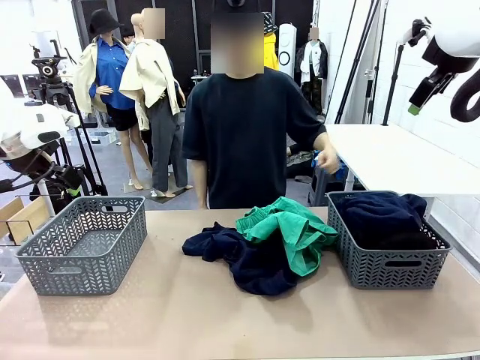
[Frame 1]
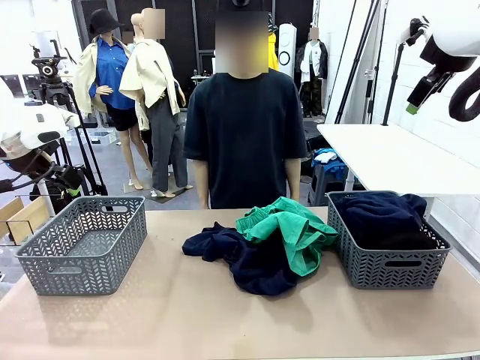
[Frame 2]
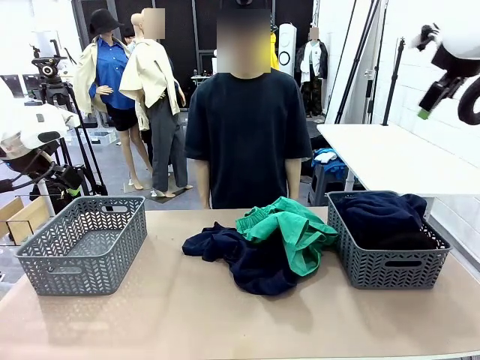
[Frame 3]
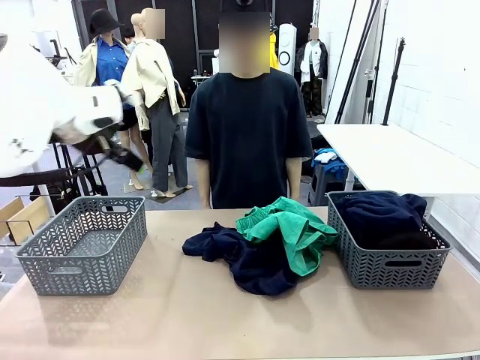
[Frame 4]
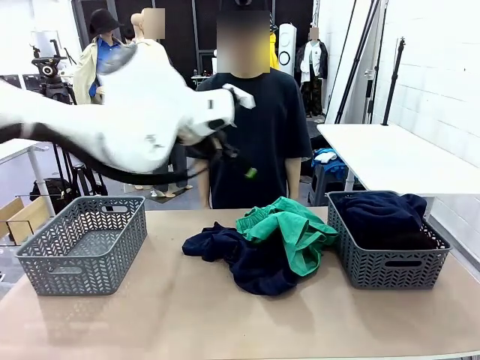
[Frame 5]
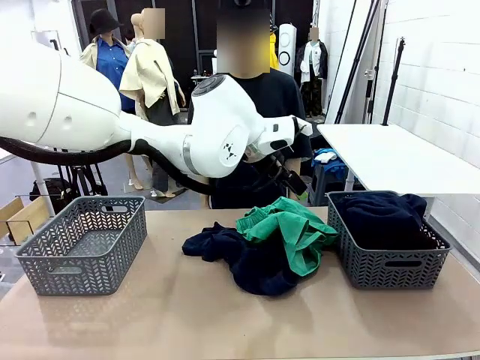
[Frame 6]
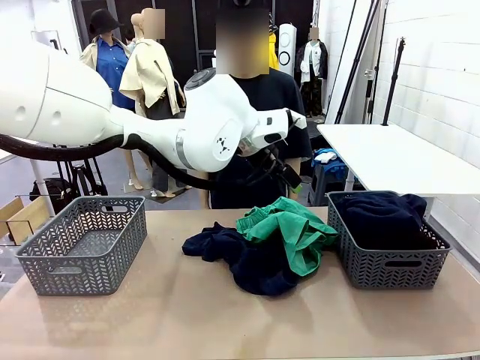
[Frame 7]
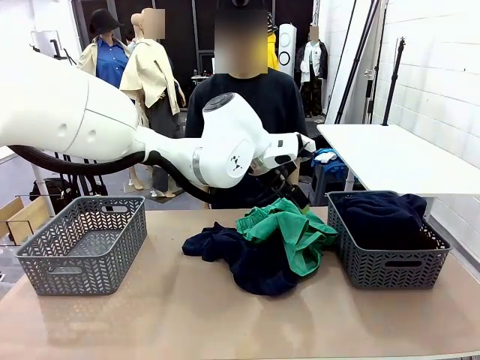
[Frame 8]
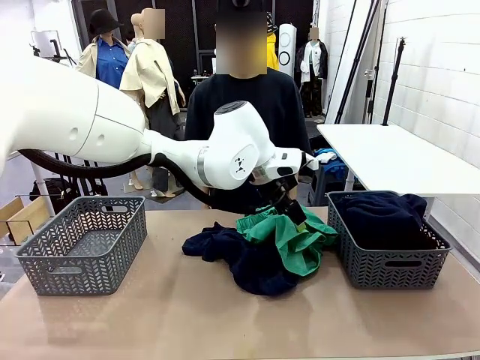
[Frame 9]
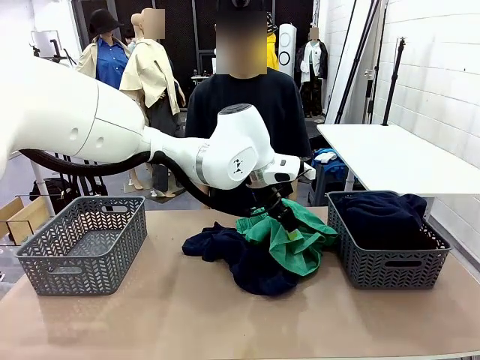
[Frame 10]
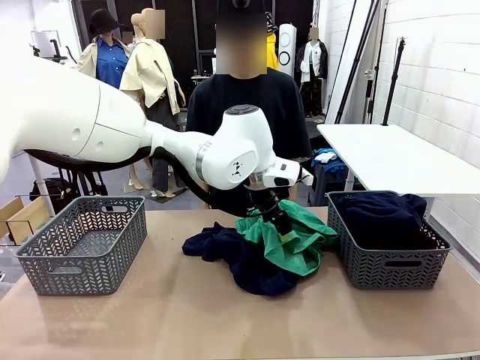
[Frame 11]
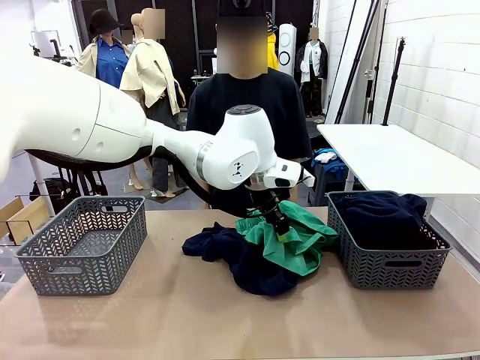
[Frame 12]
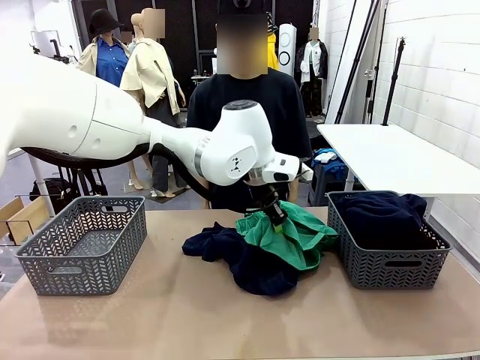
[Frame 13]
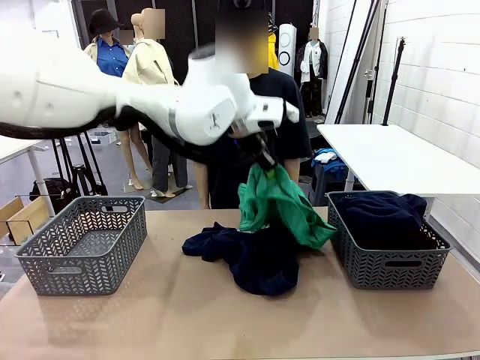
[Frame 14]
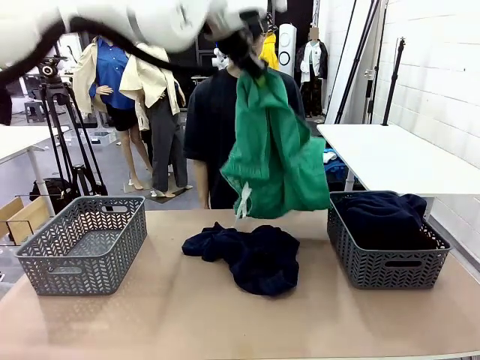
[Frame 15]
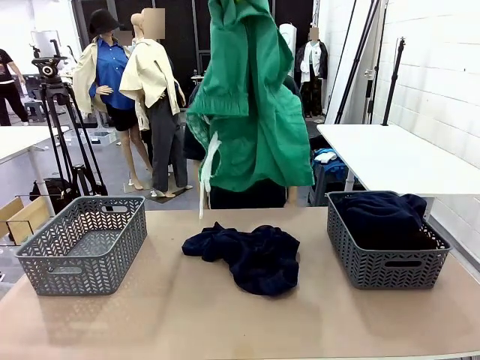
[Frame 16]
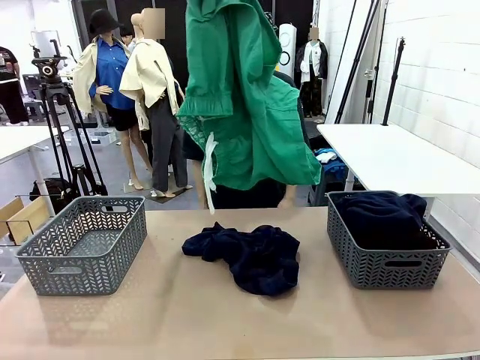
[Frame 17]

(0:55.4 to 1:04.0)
Task: Sort the tops and bottoms.
Robot: Lift clothes from the center of the table with your left hand.

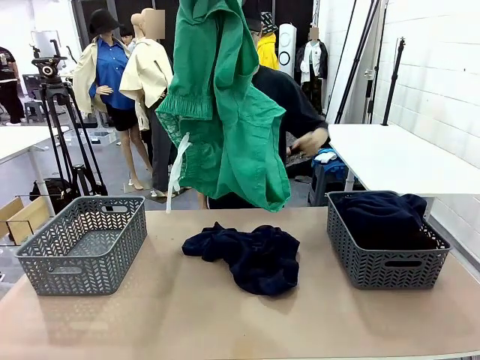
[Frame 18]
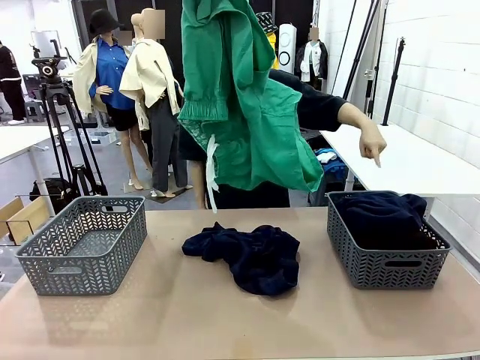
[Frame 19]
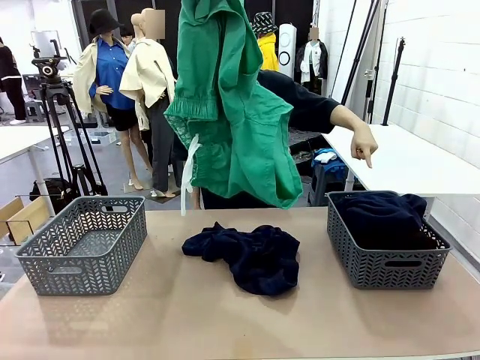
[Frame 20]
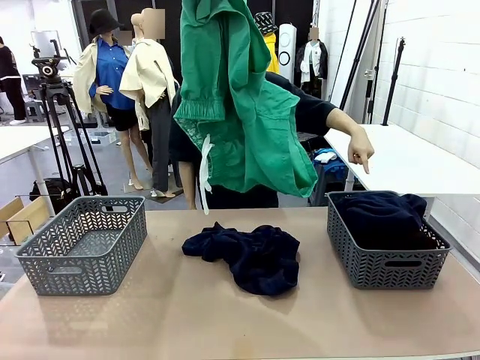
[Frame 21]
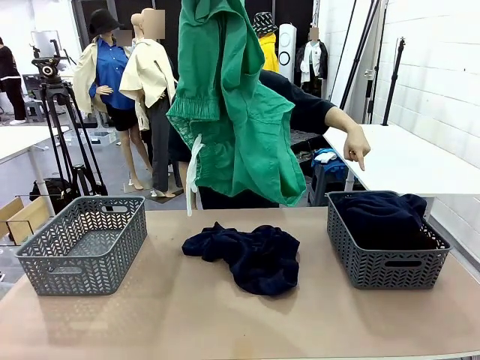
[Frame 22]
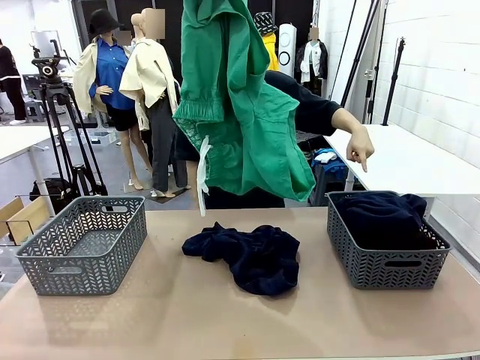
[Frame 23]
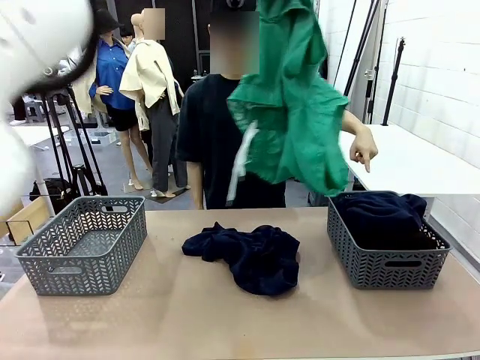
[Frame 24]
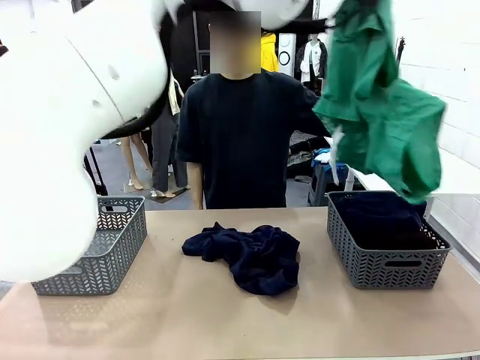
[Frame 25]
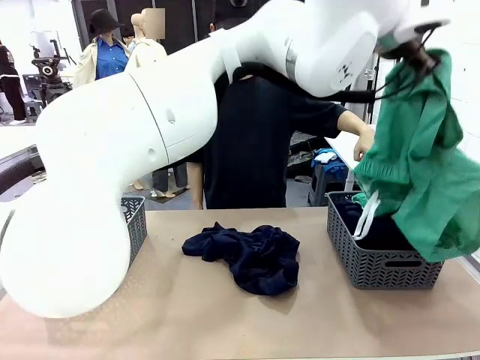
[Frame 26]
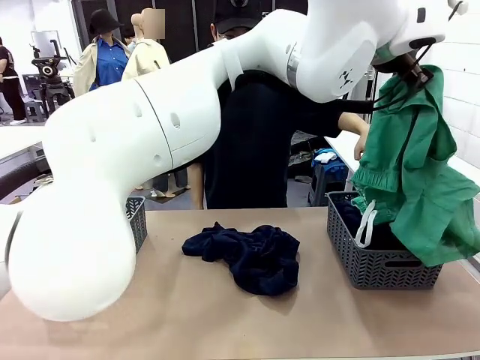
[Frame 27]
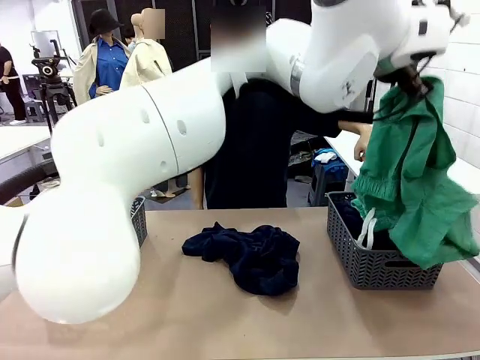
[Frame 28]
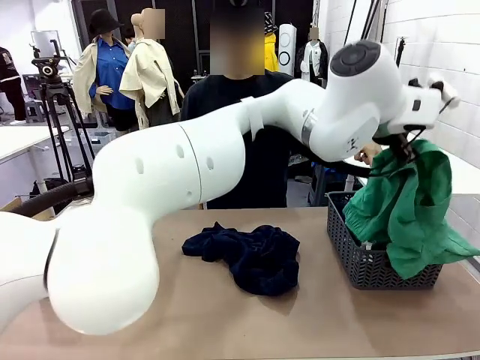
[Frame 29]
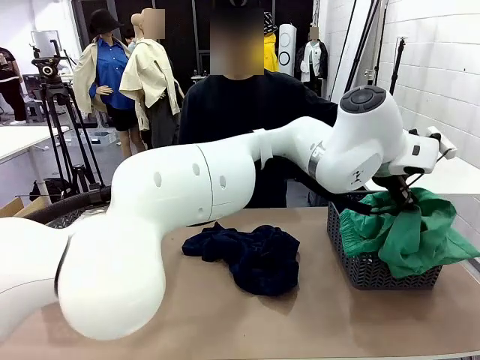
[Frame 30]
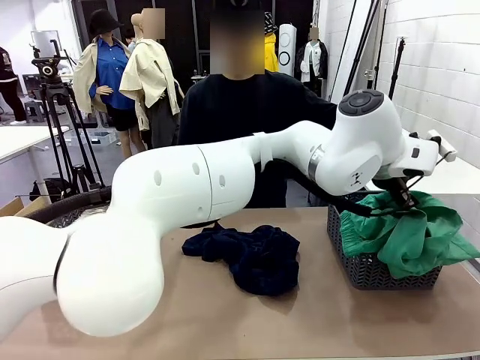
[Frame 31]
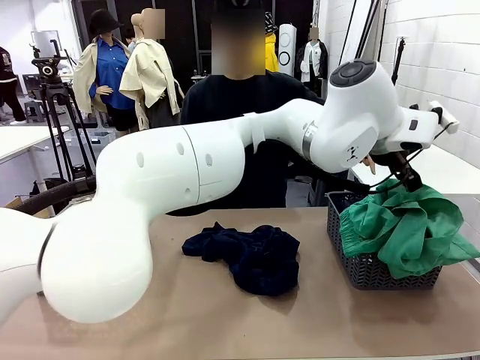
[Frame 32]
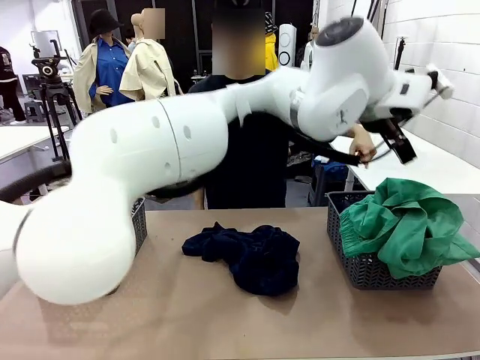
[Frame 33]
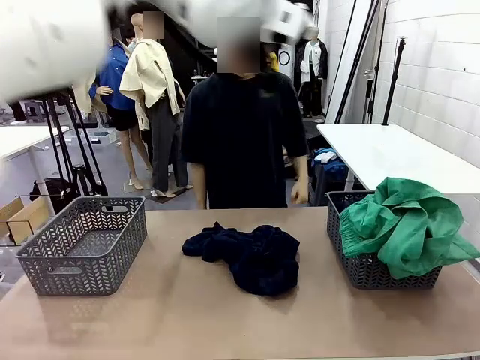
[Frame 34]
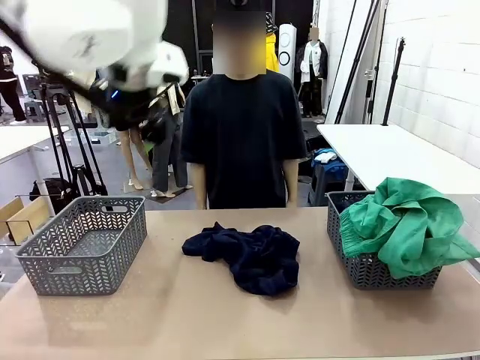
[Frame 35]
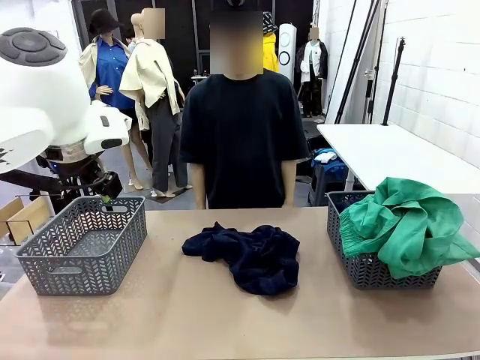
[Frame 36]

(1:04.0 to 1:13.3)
Robot: Sort the clothes according to human instructions.

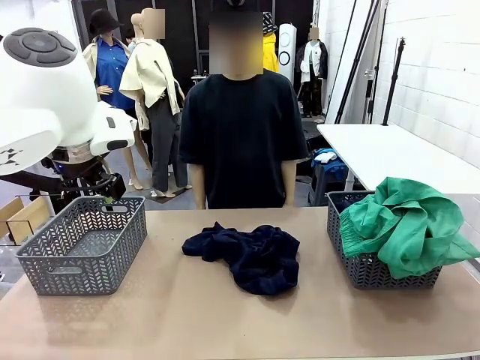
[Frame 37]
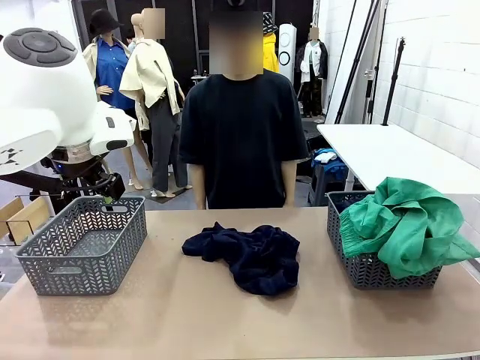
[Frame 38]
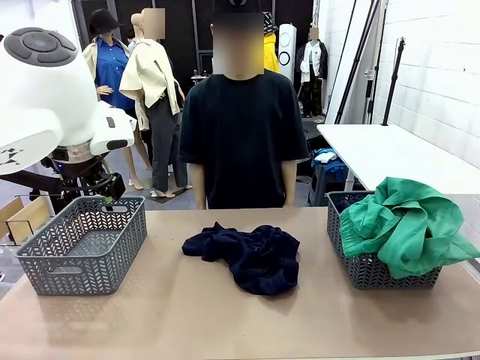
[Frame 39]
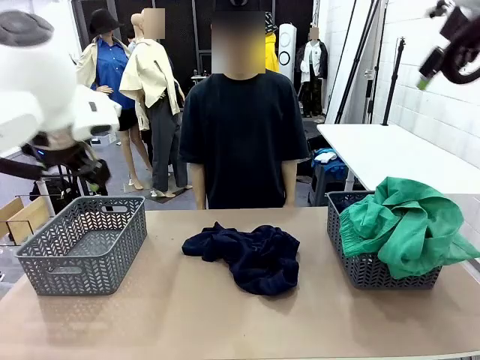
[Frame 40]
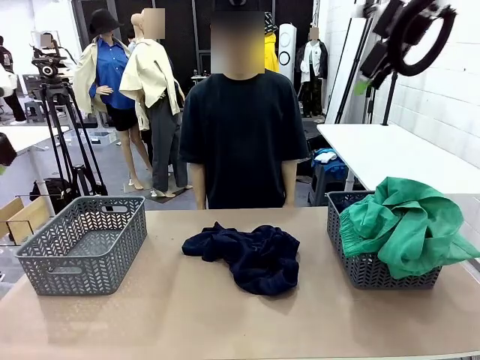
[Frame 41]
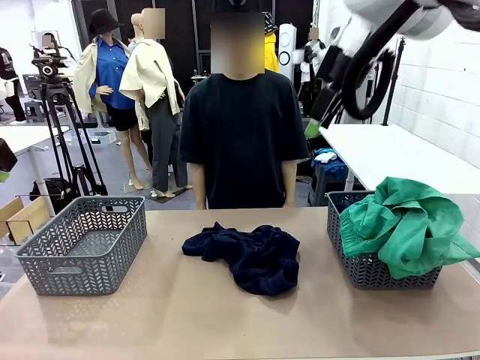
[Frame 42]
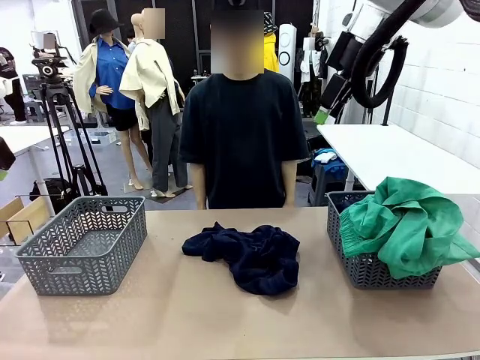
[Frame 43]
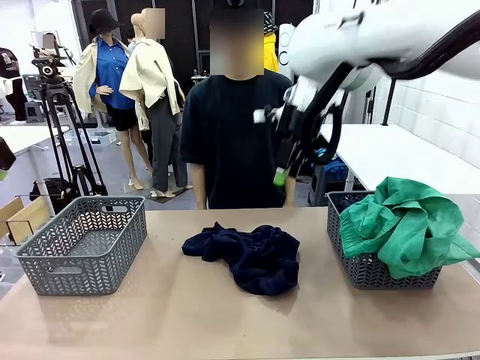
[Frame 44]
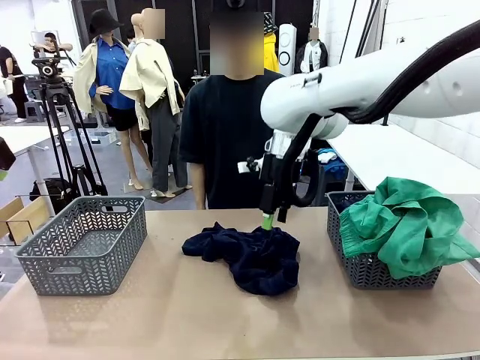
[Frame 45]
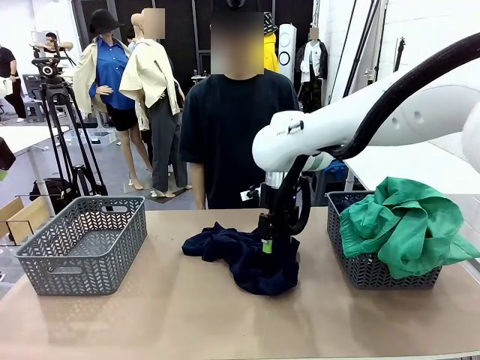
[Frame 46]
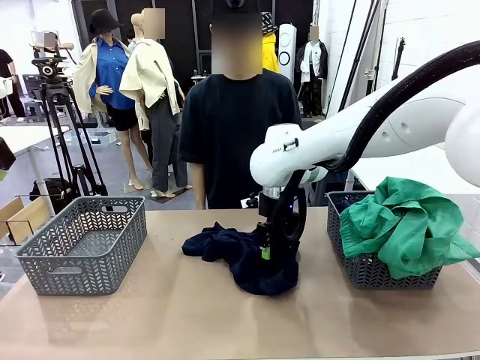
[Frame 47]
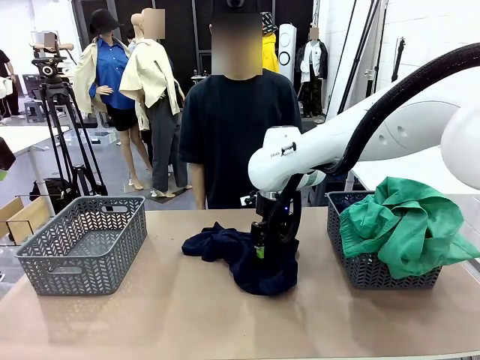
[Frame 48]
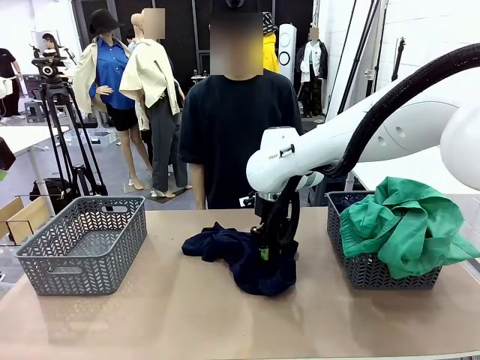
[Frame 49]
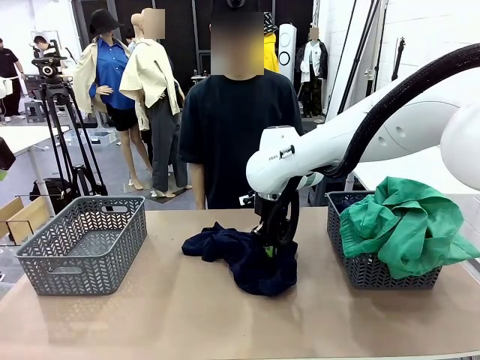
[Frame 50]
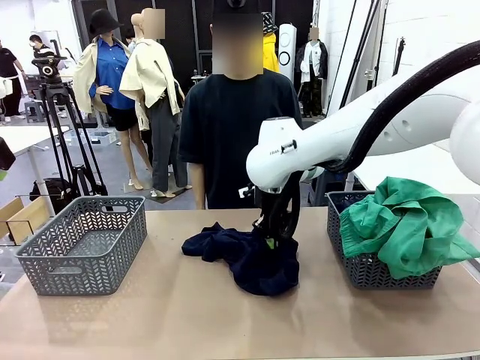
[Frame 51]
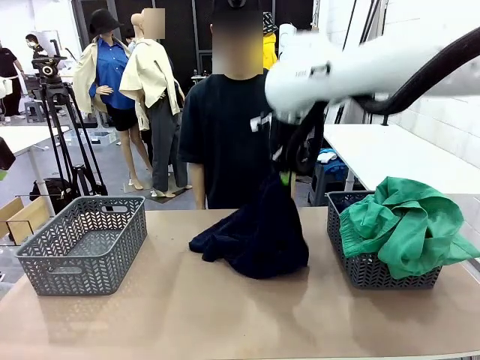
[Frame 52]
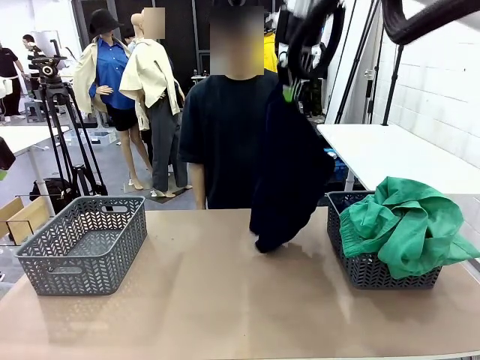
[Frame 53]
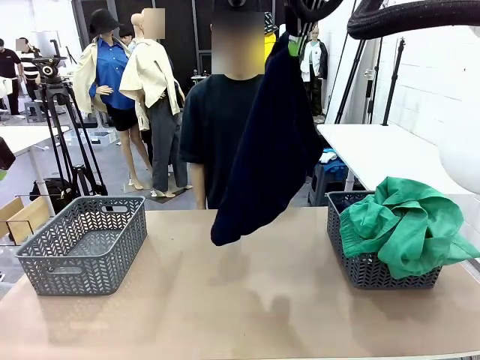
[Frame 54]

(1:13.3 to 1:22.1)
Robot: Lift clothes from the center of the table with your right hand.
